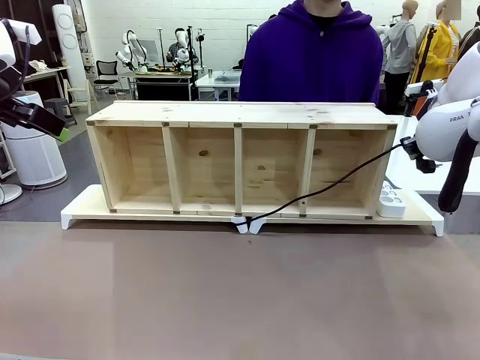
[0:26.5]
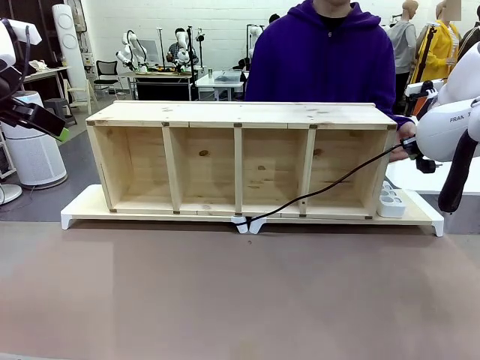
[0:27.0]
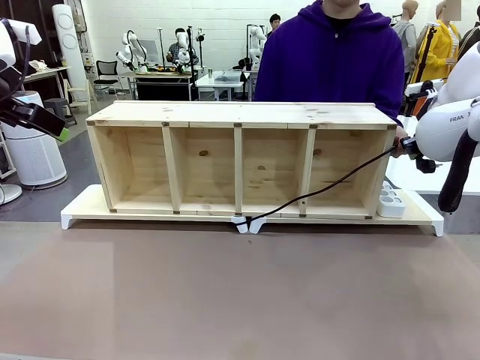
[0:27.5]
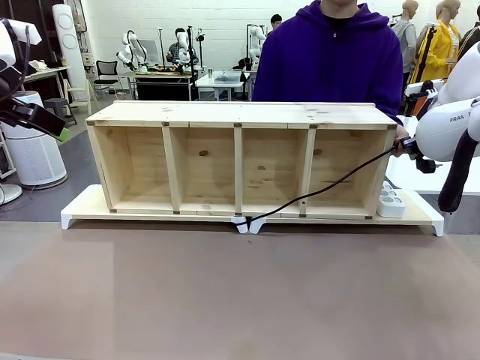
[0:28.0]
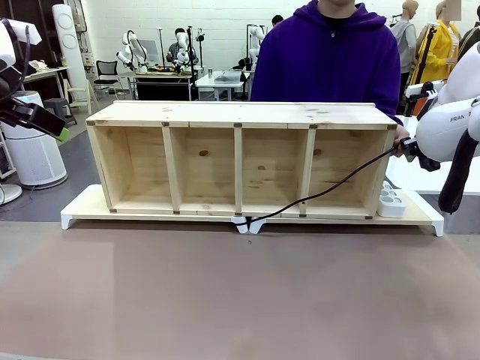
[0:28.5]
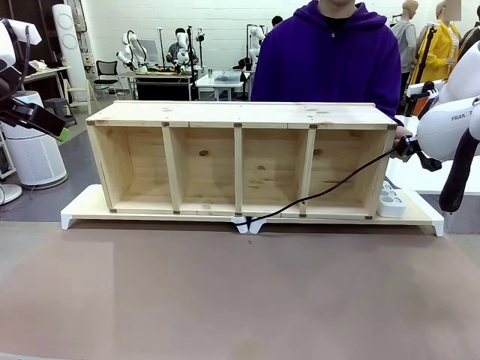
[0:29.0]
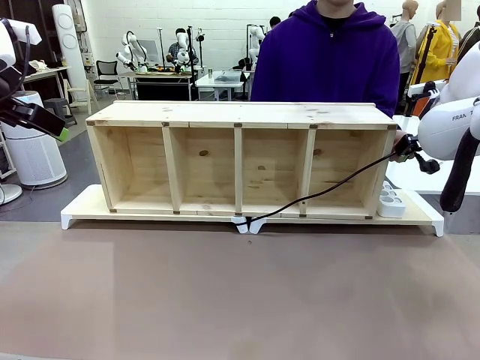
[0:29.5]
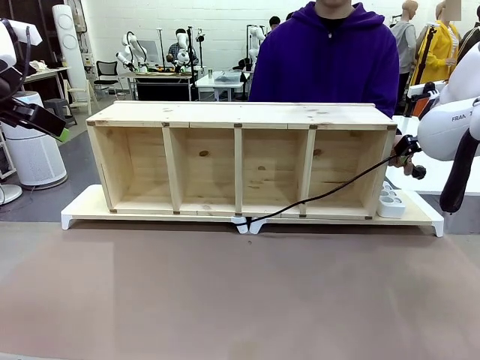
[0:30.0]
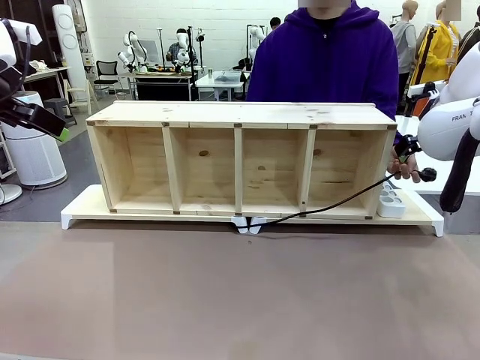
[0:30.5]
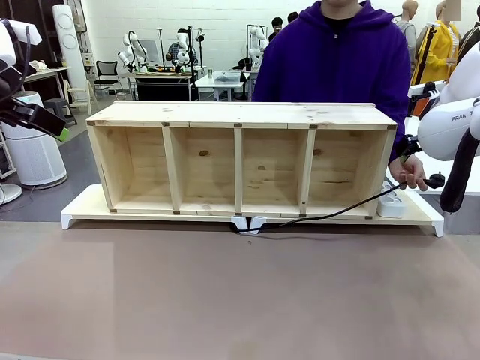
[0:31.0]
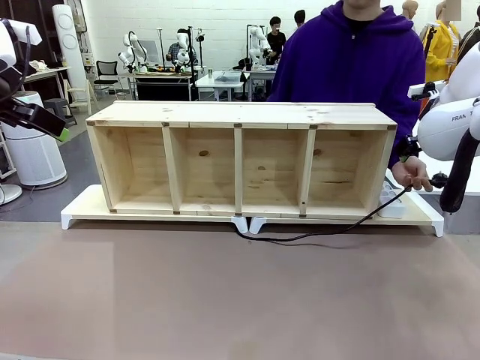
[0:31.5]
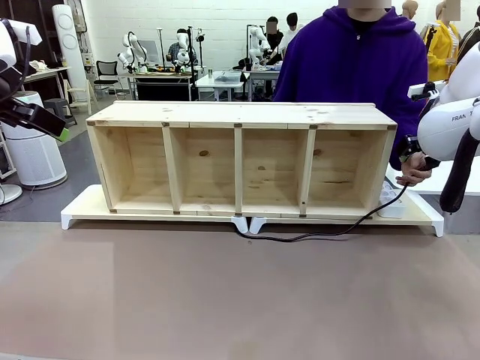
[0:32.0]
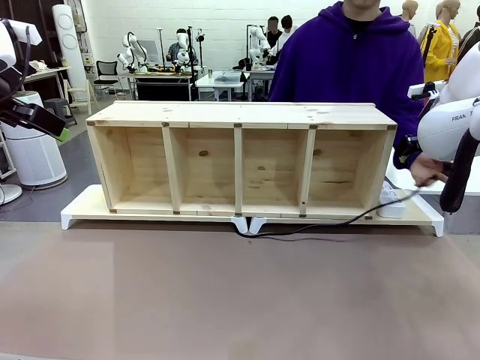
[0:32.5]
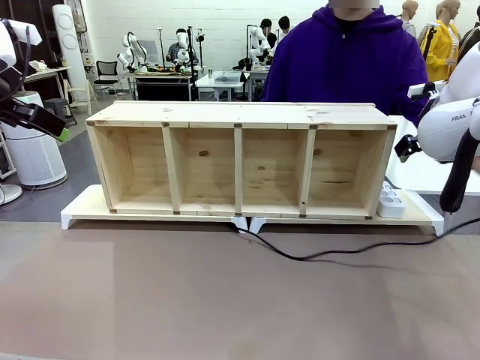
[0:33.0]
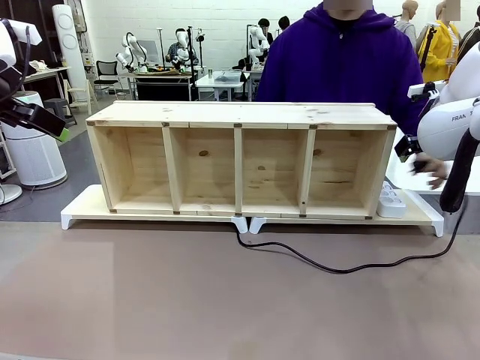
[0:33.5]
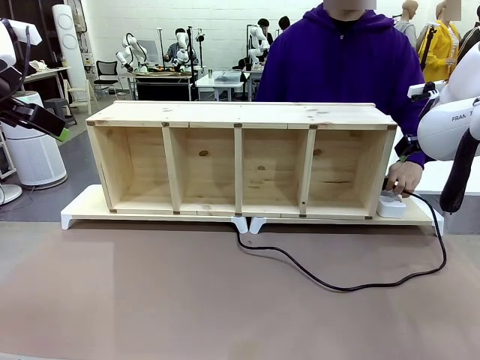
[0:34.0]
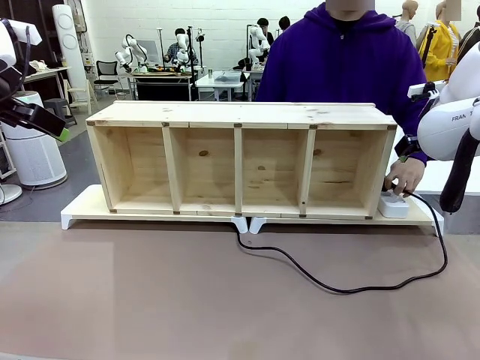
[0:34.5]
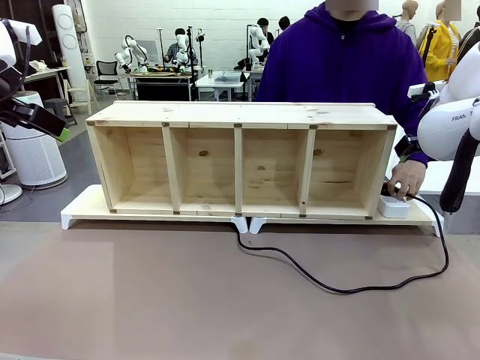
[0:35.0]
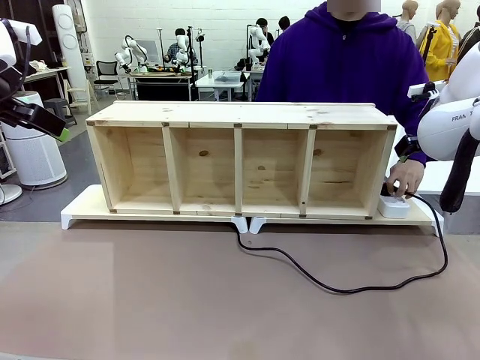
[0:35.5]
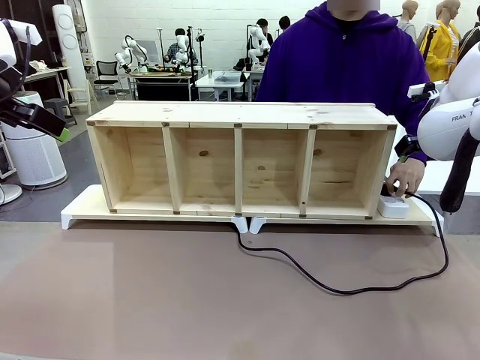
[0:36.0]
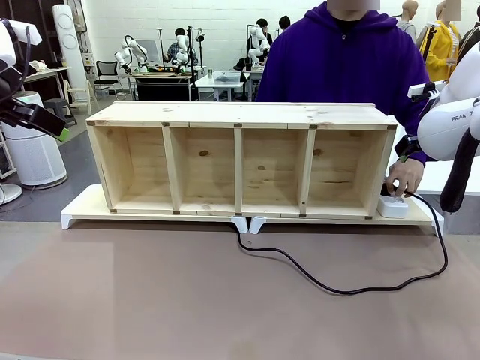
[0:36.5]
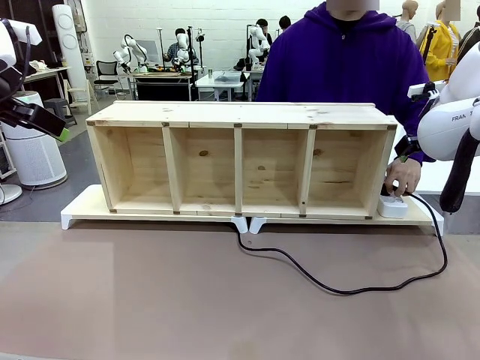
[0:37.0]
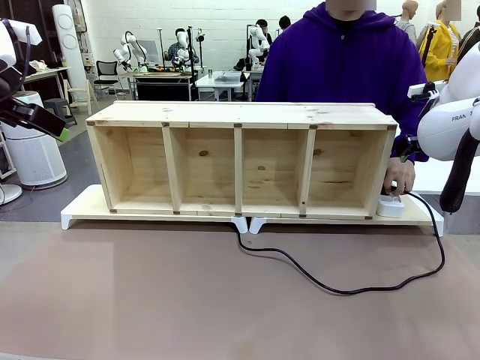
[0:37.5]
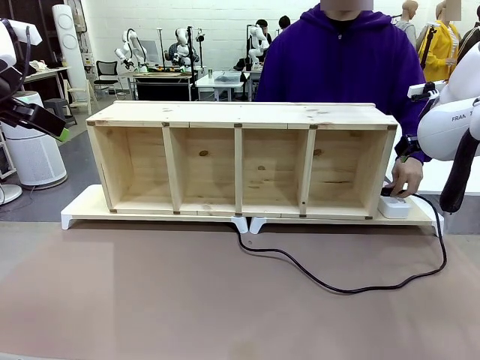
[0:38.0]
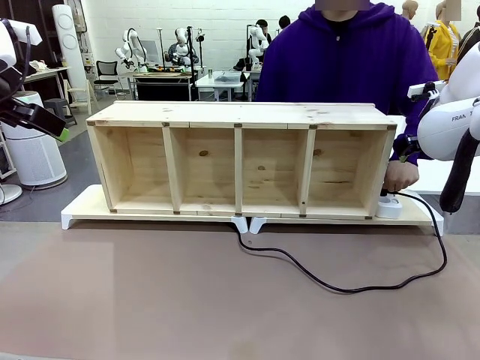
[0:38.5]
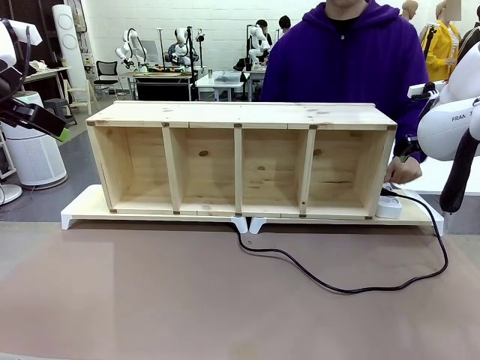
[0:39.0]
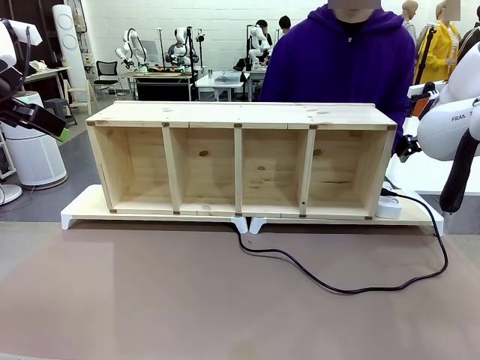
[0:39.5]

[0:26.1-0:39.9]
Task: Perform cable management.
Robot: Release the Power Cable when the human grasps it.
Person: Plug the Power Cable into the Power Strip.

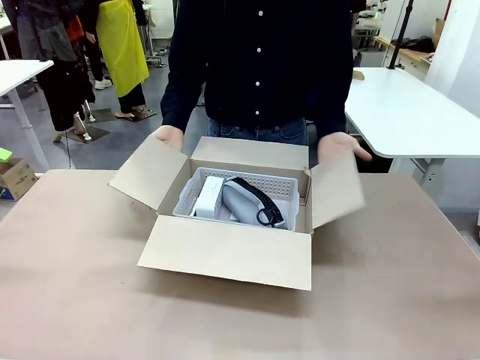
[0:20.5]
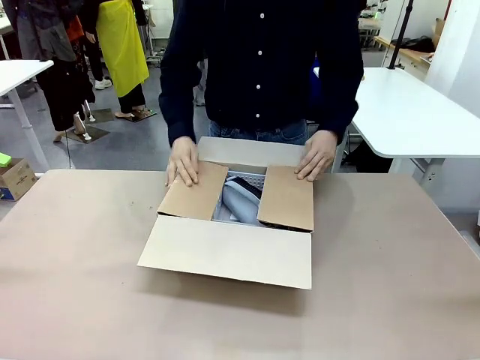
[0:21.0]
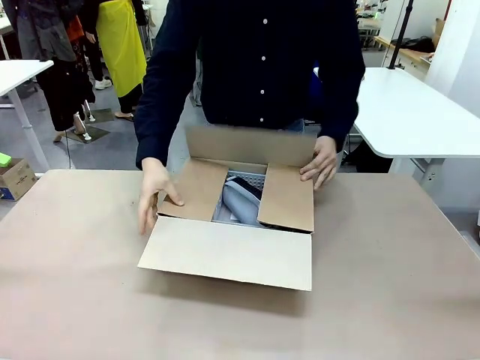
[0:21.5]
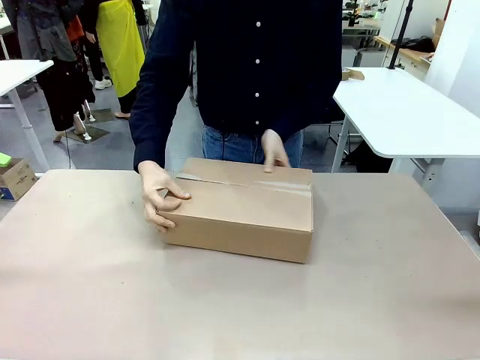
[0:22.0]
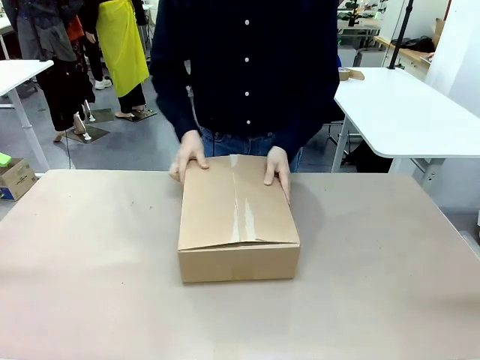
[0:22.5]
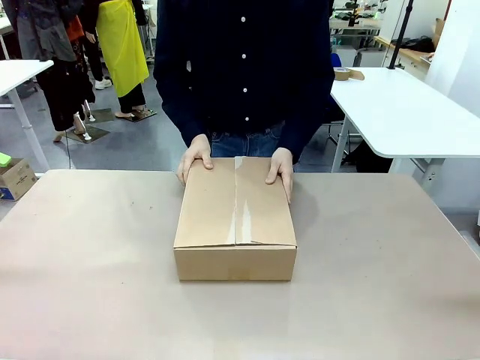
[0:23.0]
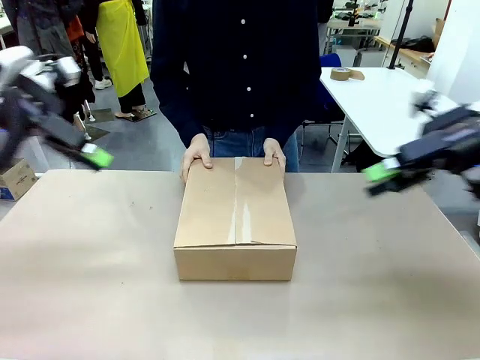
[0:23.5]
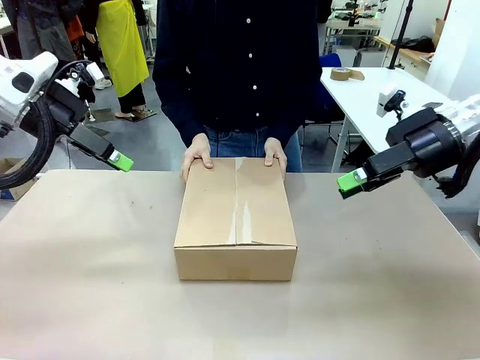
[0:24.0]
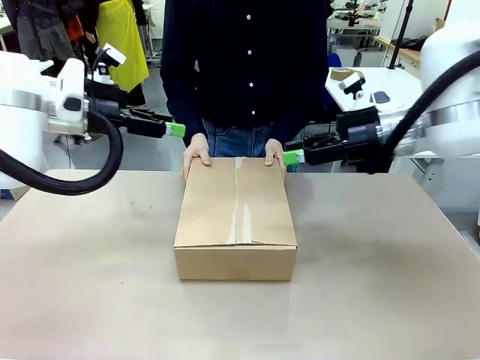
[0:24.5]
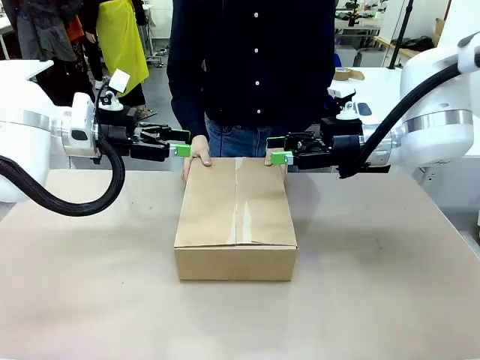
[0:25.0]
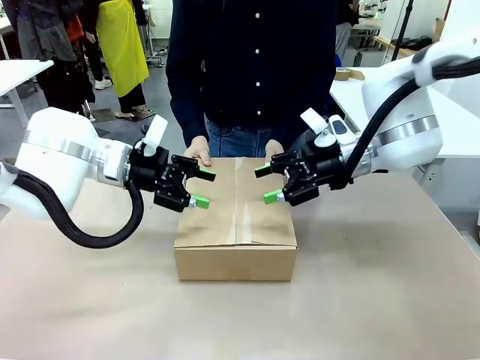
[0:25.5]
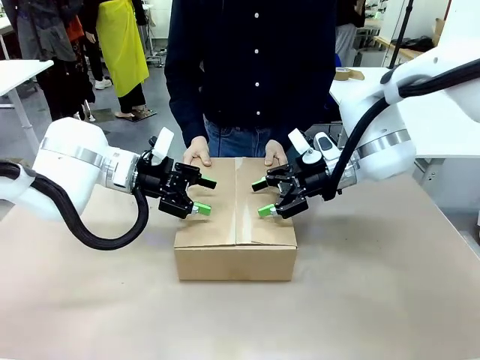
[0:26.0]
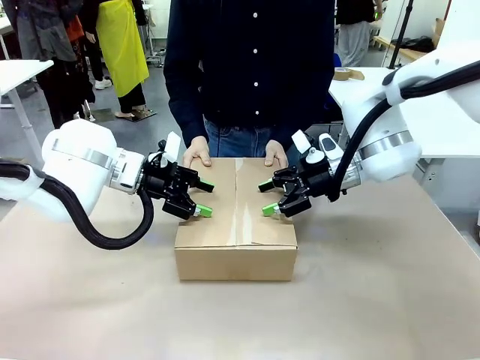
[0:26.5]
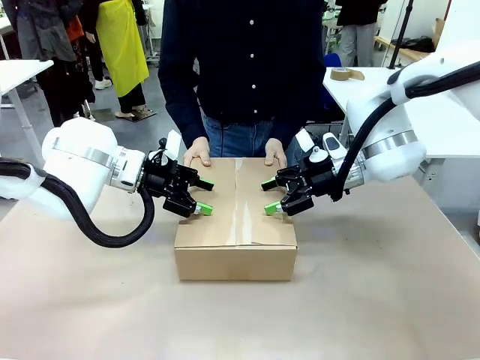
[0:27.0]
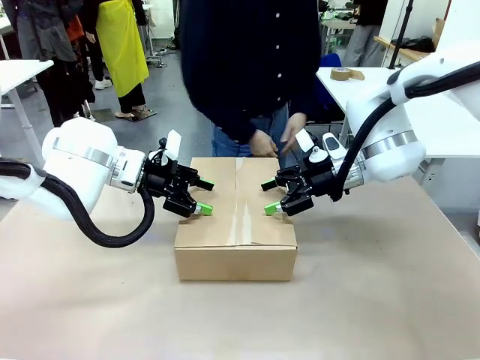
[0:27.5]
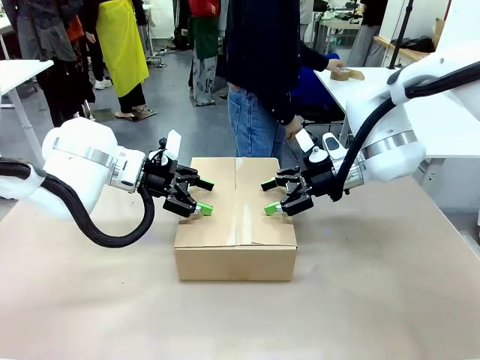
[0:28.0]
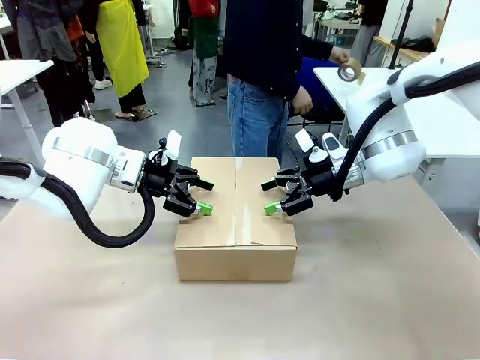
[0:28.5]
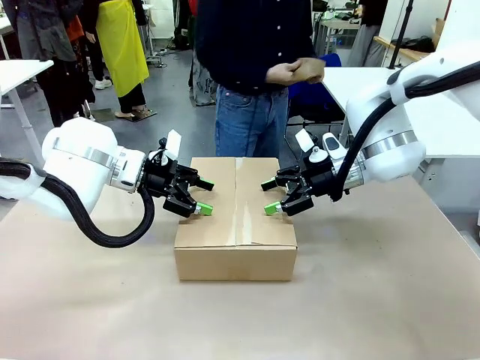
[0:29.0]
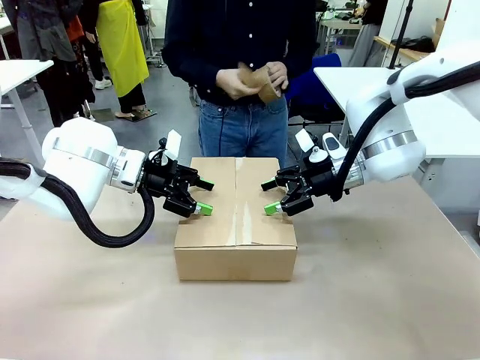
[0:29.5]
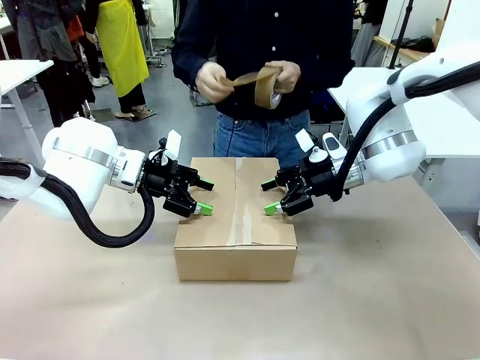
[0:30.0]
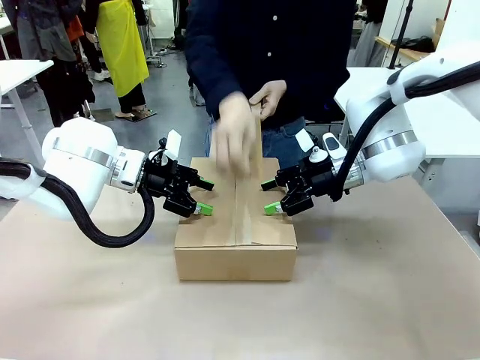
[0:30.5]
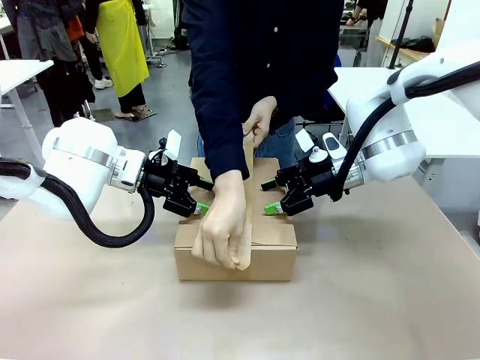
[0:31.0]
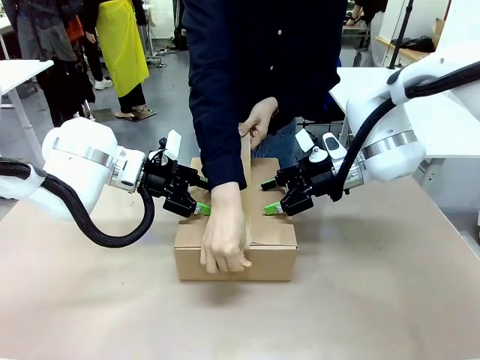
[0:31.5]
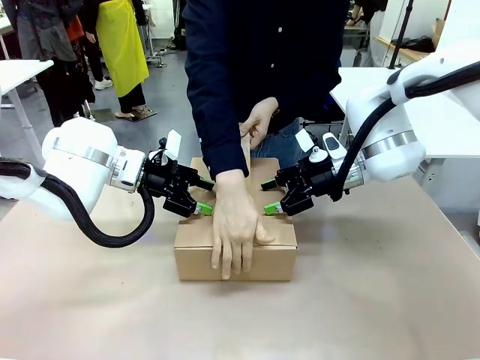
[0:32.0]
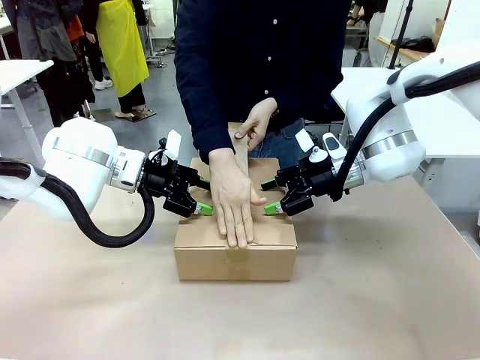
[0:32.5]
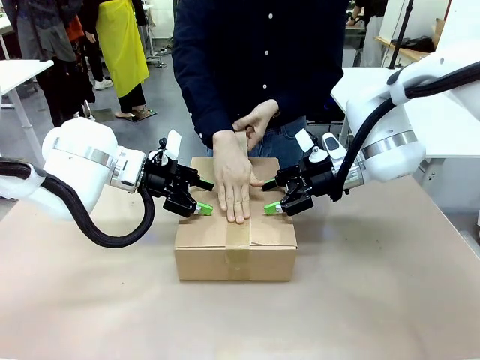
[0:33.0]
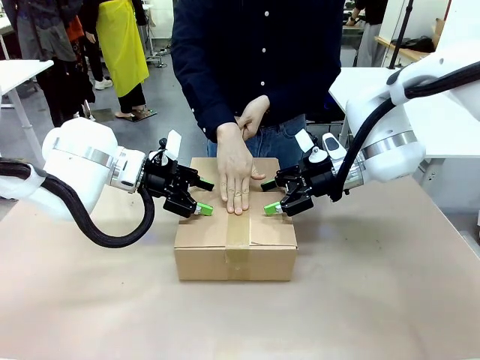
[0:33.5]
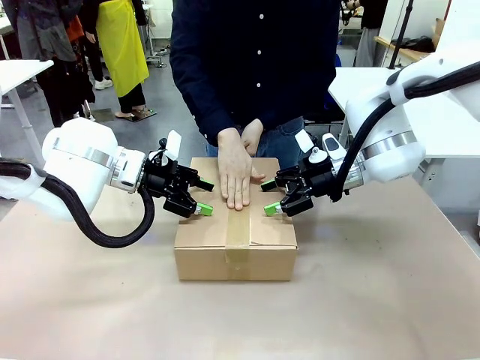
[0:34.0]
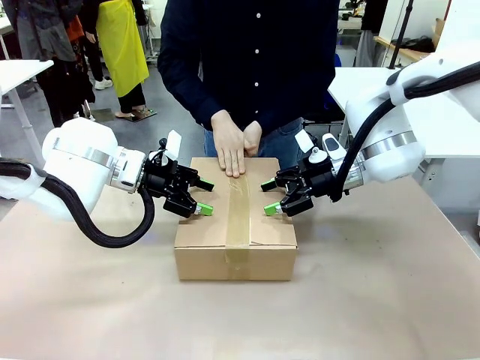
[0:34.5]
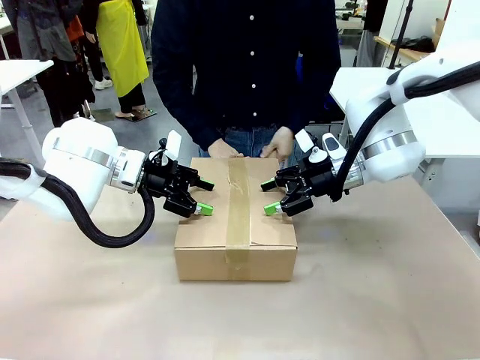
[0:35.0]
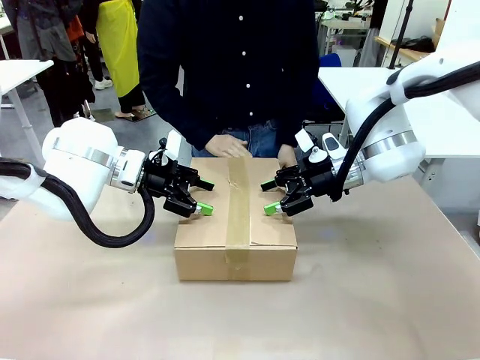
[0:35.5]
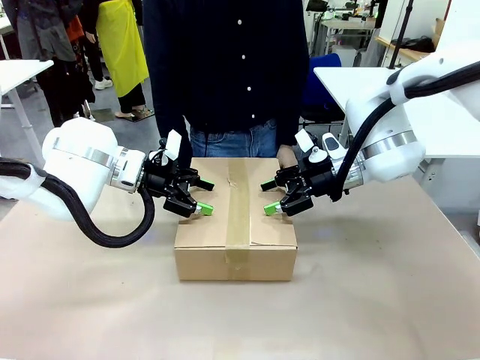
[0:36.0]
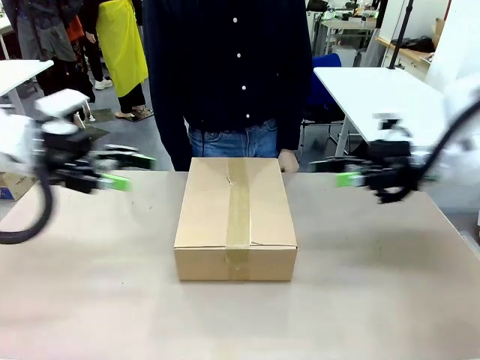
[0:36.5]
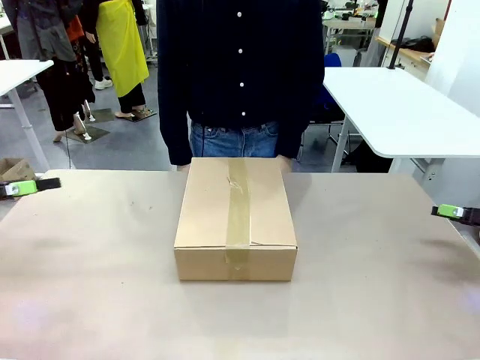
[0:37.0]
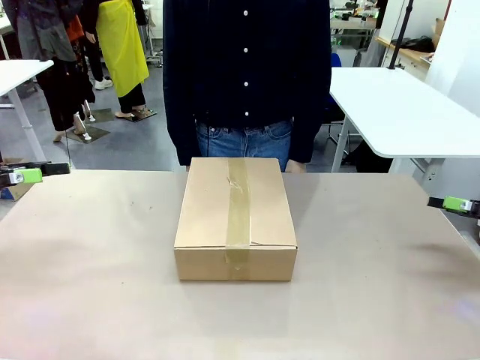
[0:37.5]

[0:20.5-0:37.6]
Task: Pack the gift set into the box.
Robot: Press and hold the closed box until the human finishes sealing it.
Person: The human closes the box and rotates the box by 90 degrees. The human picks up the paper tape from the human table and packs the box.
